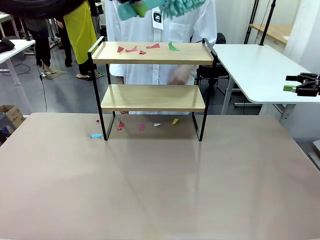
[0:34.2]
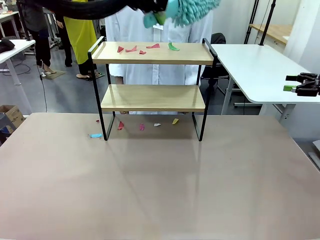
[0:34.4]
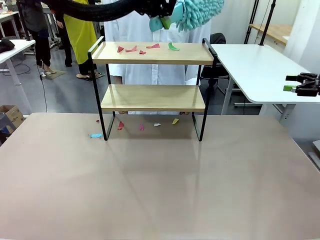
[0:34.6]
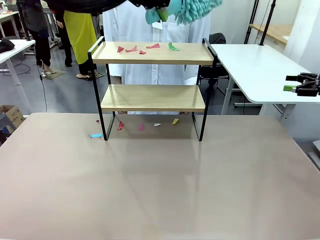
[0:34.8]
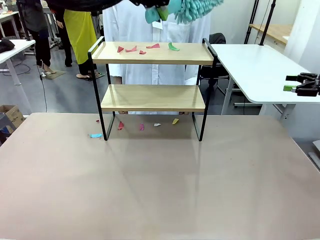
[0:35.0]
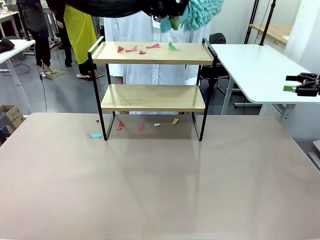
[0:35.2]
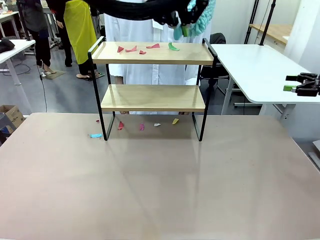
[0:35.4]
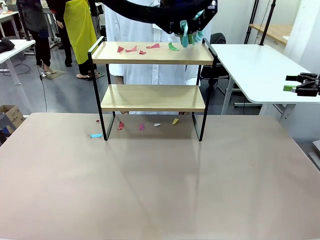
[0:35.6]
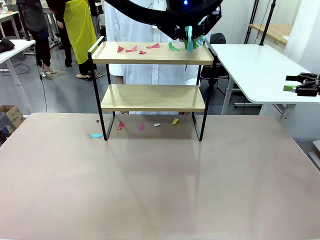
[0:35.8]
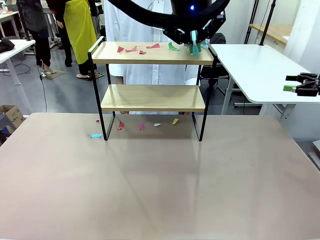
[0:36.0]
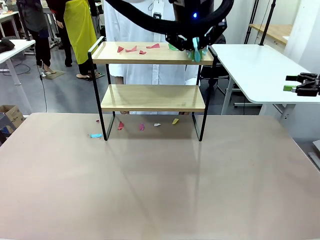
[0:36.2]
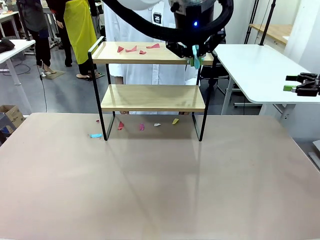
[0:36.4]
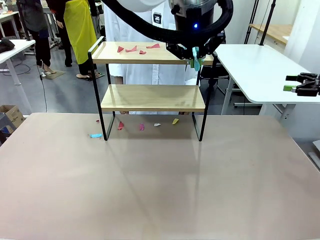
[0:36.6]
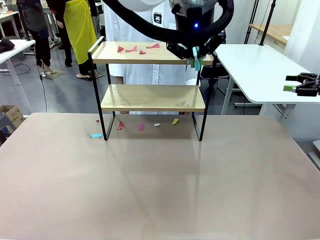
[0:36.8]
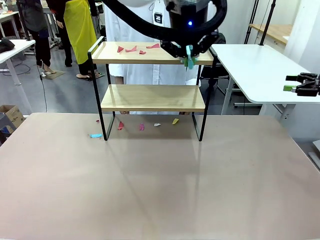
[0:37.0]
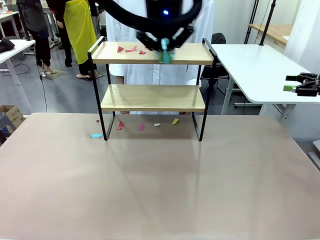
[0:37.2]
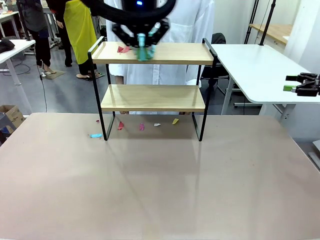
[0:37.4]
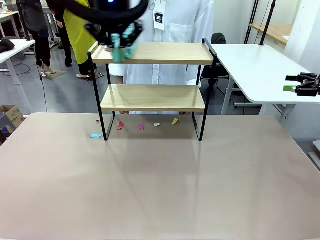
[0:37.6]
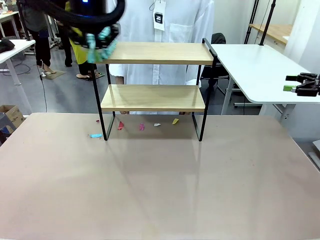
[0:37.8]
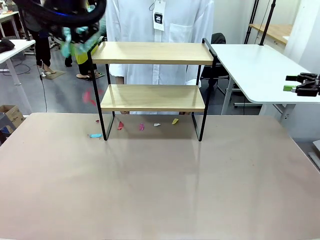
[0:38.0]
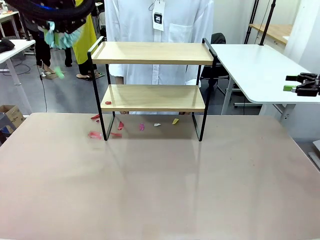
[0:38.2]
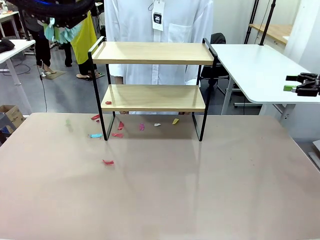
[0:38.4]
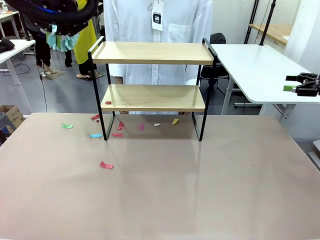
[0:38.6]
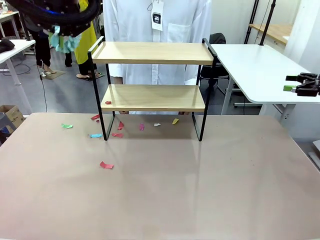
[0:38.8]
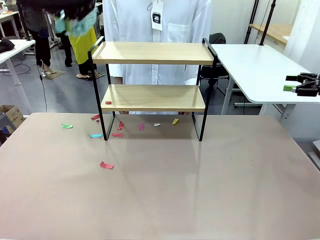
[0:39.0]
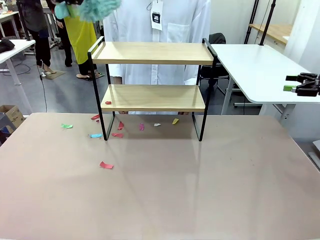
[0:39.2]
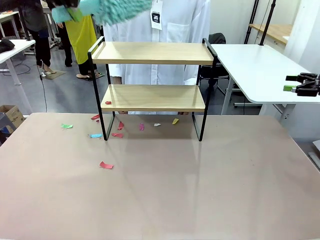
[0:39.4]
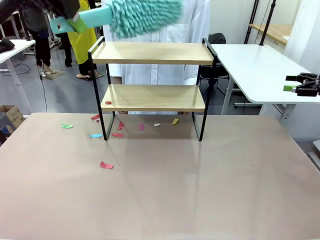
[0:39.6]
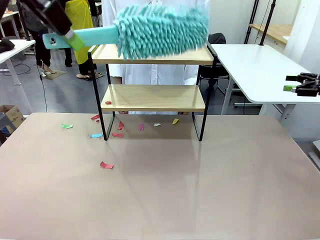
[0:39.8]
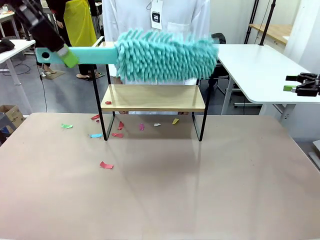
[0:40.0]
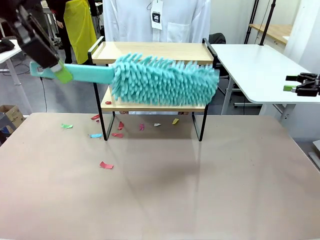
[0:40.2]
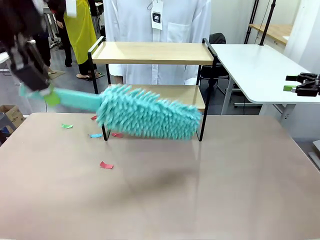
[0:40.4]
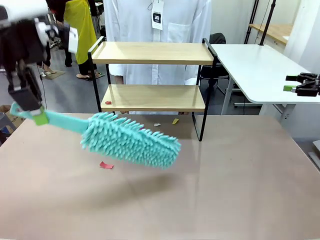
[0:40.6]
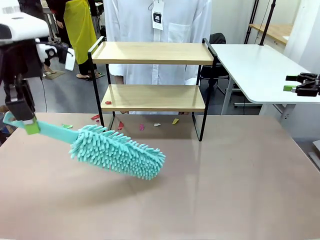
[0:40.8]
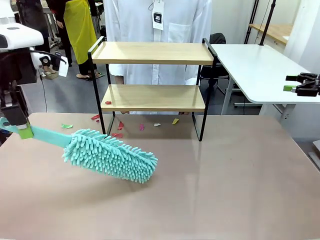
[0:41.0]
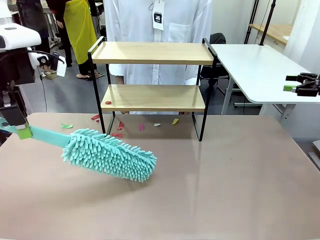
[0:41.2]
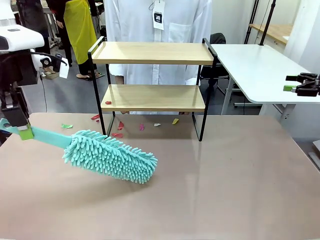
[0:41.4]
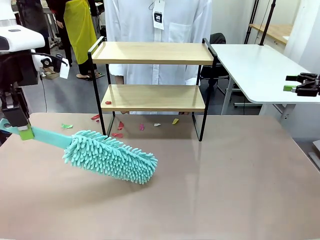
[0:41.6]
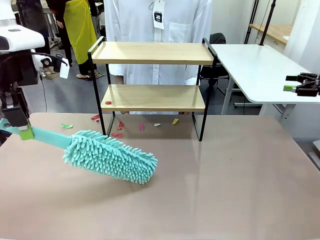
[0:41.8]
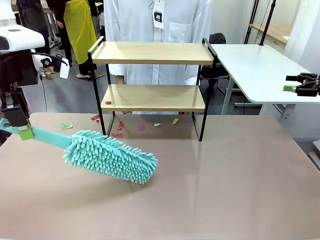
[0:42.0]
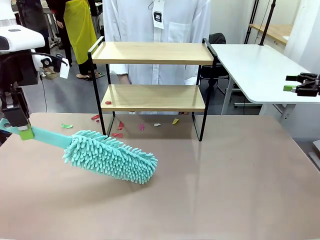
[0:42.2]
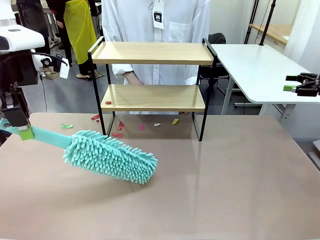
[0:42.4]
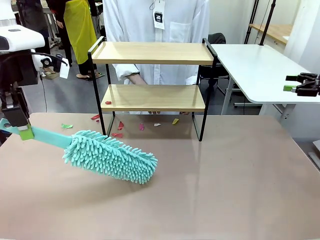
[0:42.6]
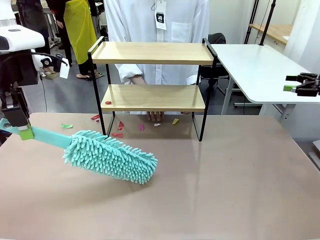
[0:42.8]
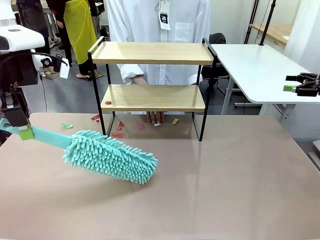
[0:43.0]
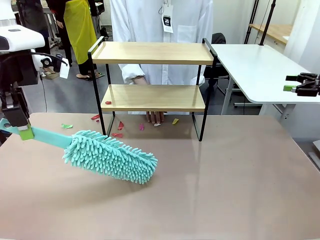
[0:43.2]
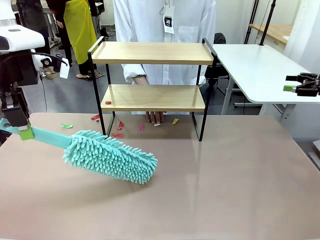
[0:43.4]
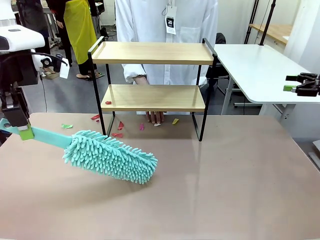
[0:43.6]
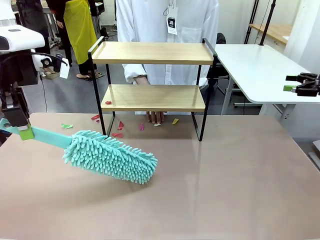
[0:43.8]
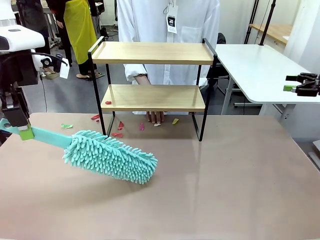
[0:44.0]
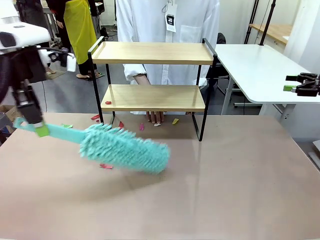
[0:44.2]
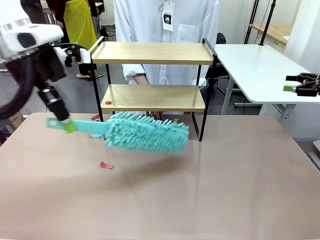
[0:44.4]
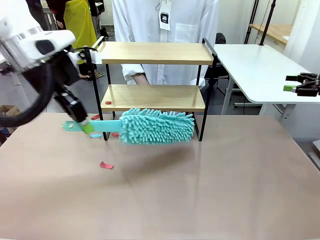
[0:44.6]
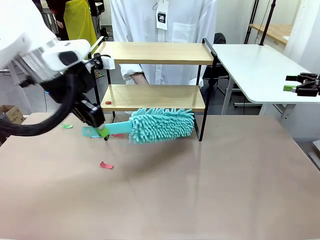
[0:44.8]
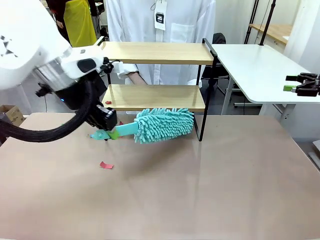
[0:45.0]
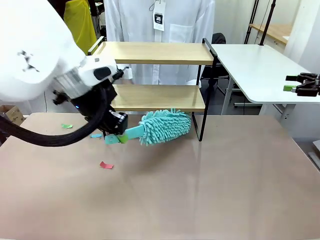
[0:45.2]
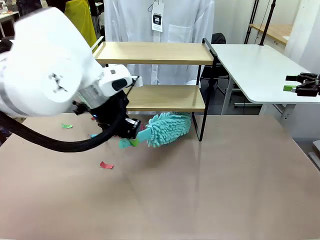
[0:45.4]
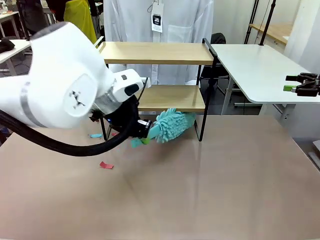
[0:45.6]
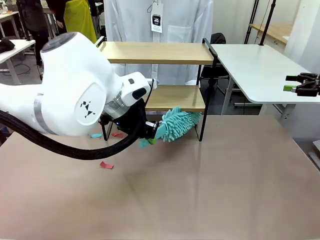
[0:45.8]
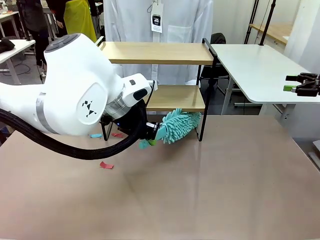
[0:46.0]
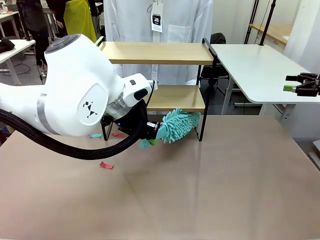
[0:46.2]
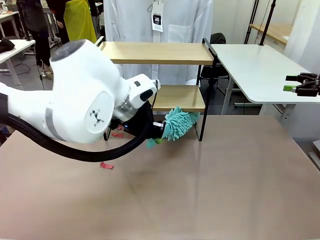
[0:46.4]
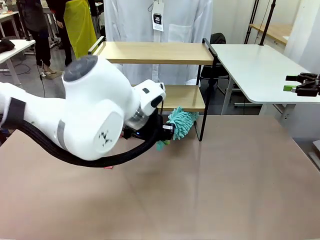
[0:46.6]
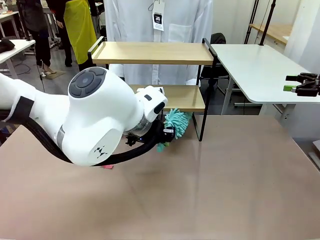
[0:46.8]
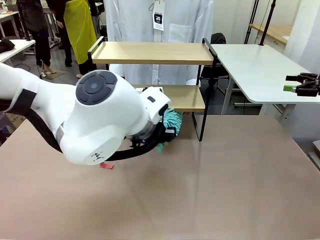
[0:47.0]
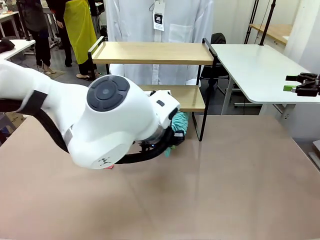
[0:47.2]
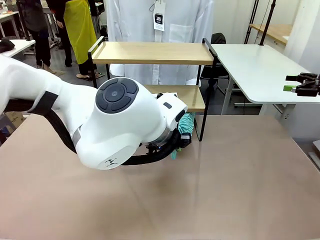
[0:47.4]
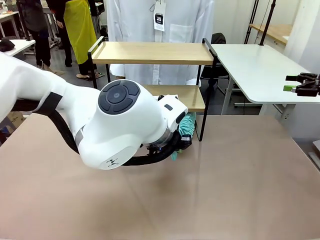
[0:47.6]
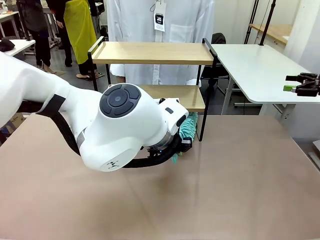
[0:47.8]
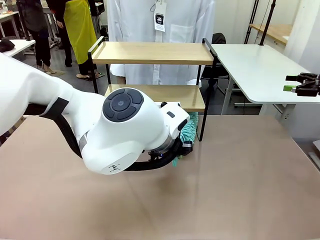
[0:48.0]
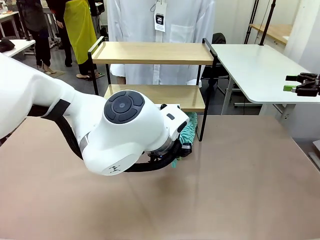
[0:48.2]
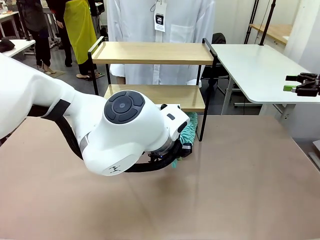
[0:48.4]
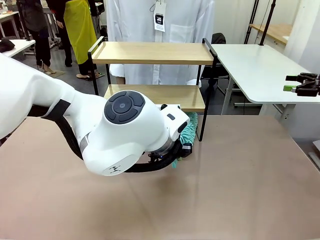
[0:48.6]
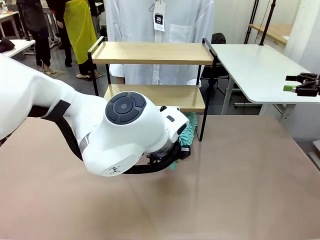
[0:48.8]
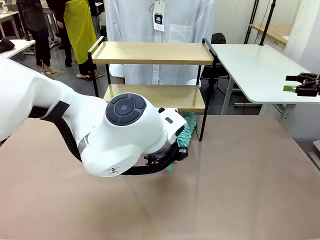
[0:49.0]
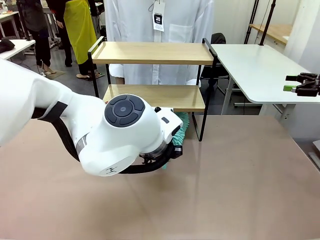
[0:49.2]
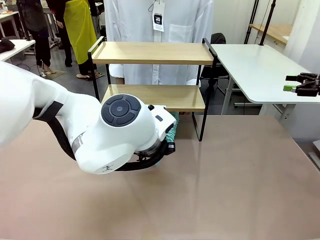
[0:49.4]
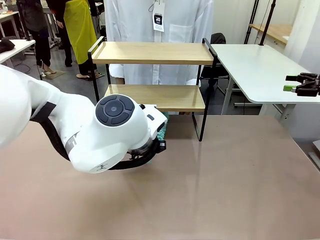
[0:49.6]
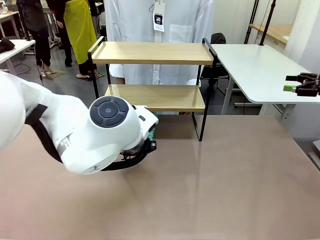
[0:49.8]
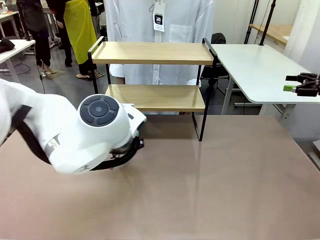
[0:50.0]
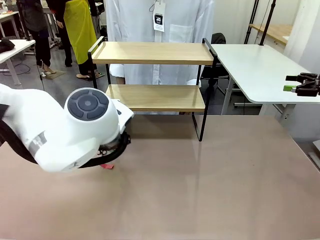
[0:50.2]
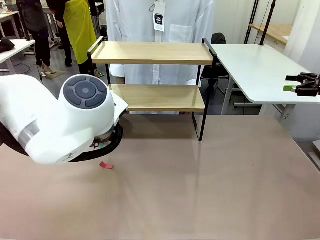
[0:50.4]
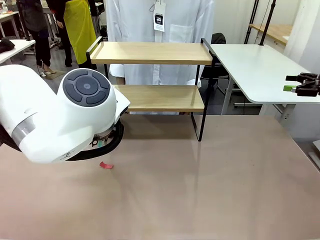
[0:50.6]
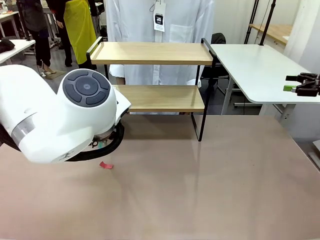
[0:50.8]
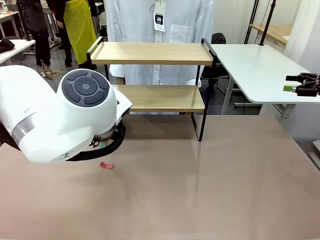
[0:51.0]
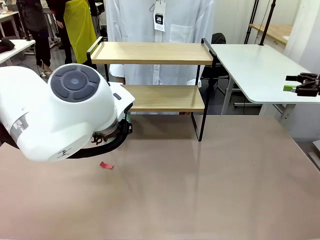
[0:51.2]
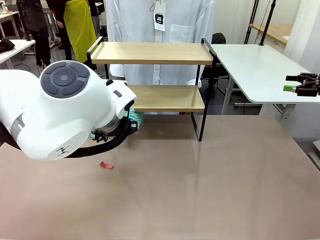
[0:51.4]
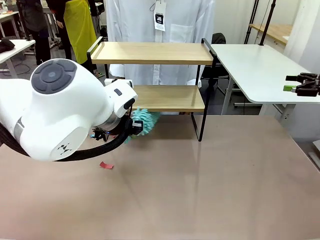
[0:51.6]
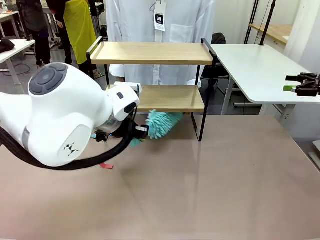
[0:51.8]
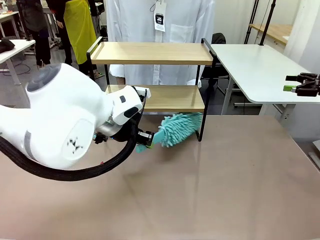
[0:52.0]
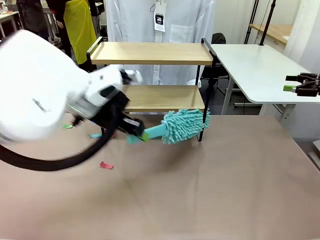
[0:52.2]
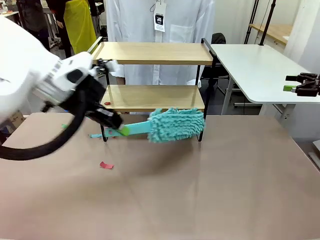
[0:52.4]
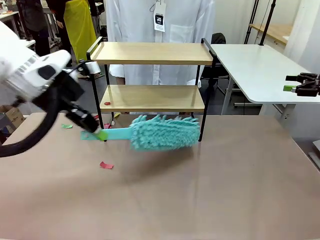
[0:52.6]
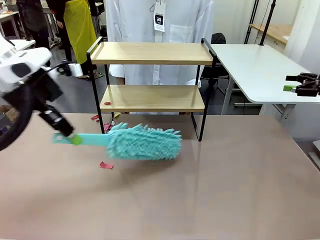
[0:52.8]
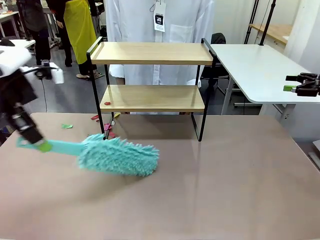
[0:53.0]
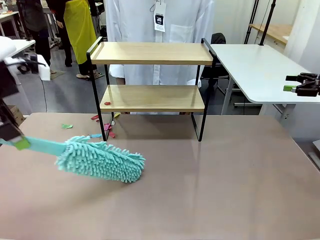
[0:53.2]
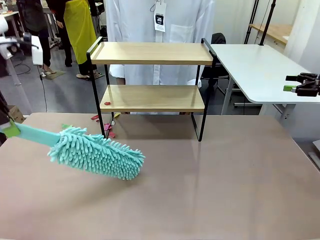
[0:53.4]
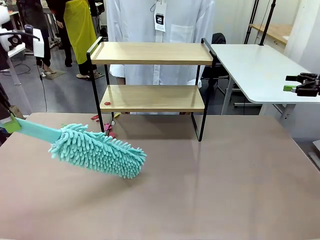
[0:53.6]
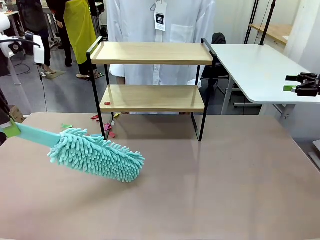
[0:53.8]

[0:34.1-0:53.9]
Task: Clean the shelf.
Robot: Clean the specific section of the Shelf indicated by the human with the Duster.
Person: Point a remaining section of the Shelf.
